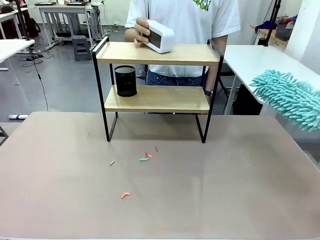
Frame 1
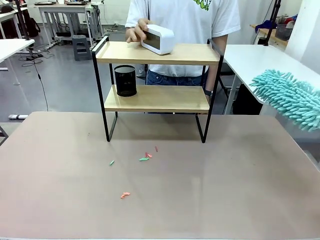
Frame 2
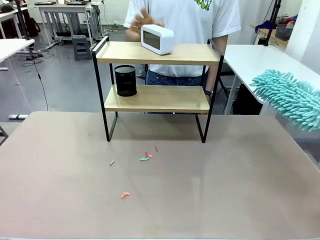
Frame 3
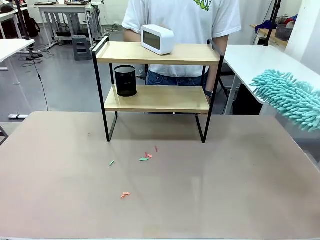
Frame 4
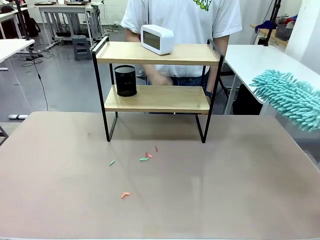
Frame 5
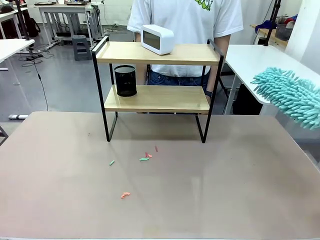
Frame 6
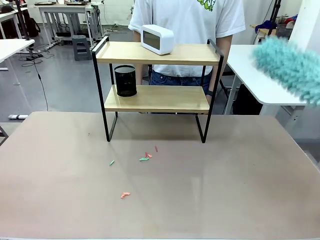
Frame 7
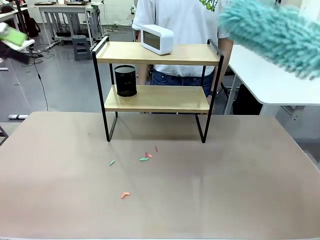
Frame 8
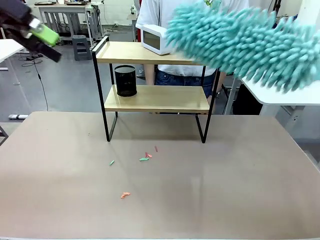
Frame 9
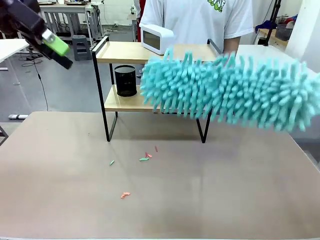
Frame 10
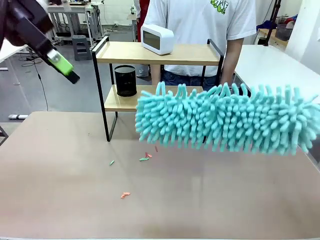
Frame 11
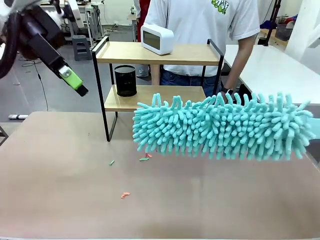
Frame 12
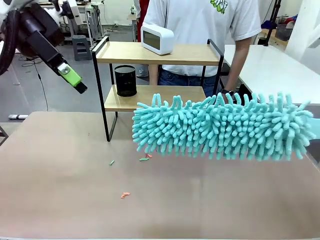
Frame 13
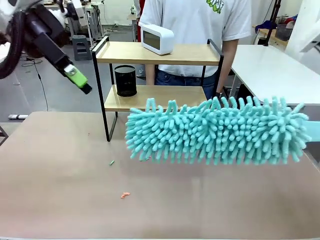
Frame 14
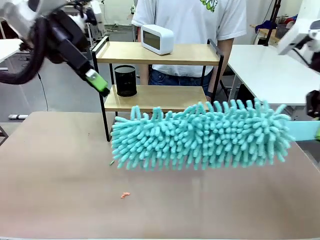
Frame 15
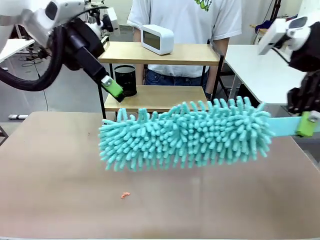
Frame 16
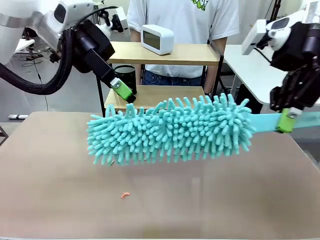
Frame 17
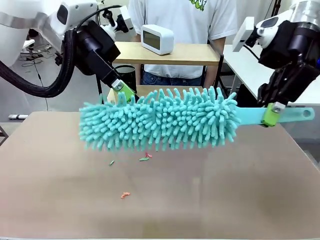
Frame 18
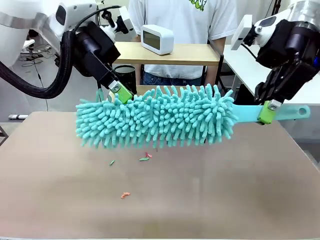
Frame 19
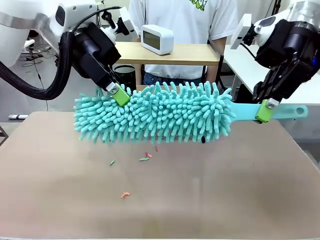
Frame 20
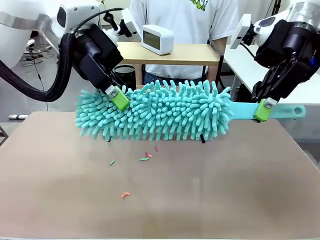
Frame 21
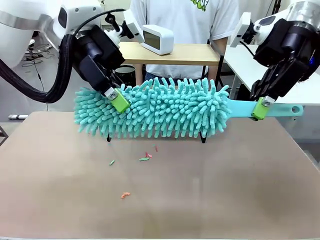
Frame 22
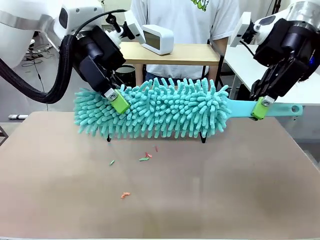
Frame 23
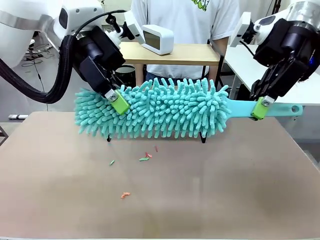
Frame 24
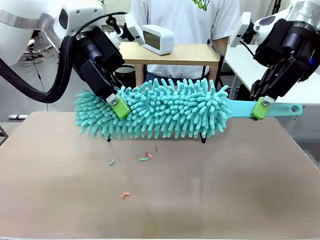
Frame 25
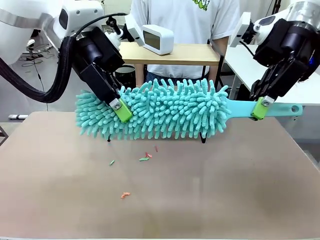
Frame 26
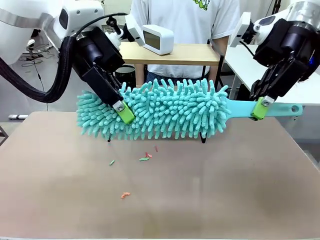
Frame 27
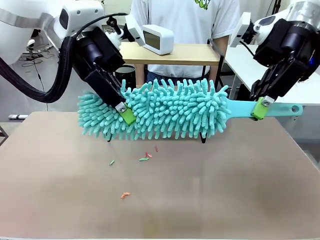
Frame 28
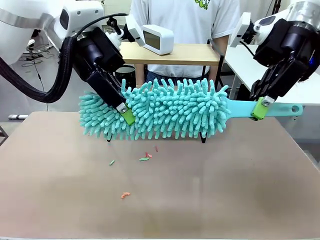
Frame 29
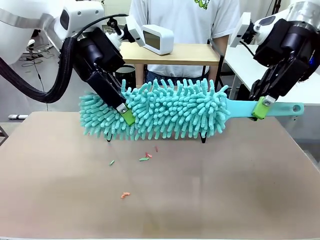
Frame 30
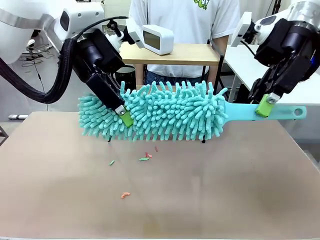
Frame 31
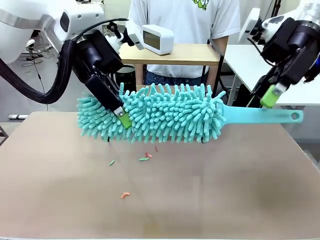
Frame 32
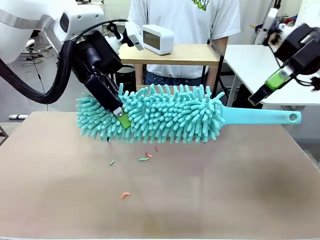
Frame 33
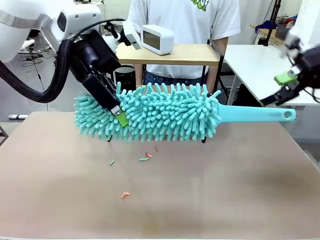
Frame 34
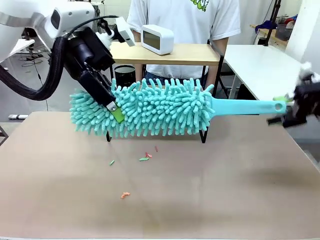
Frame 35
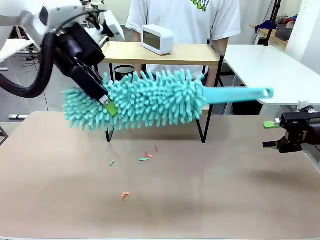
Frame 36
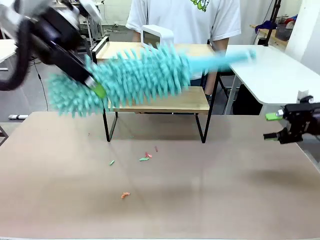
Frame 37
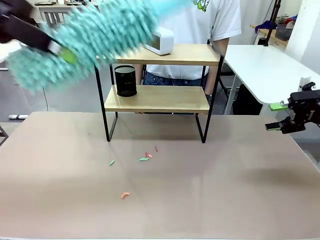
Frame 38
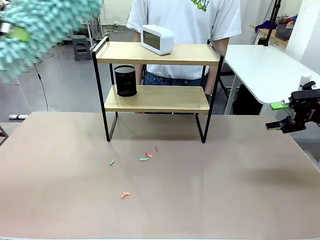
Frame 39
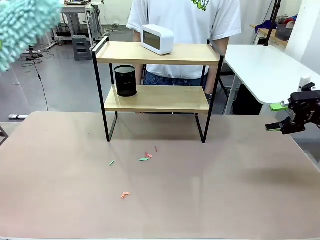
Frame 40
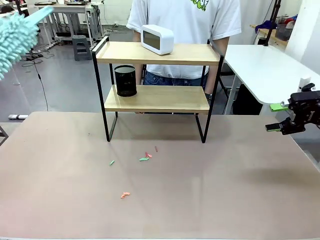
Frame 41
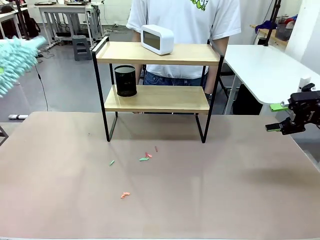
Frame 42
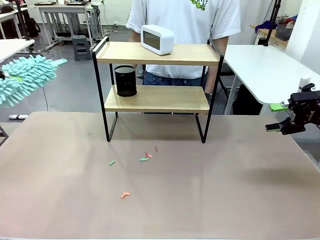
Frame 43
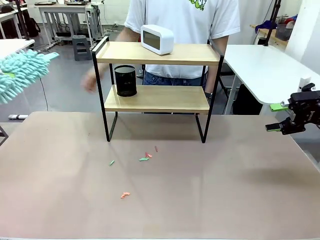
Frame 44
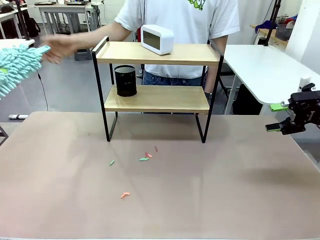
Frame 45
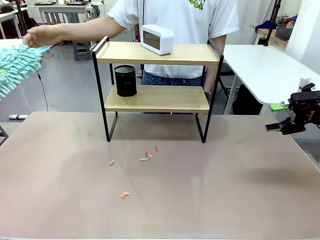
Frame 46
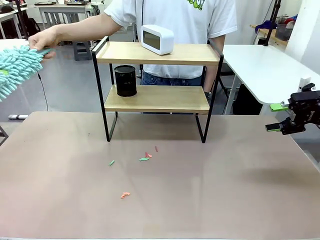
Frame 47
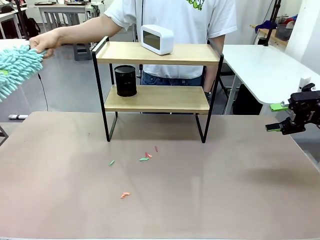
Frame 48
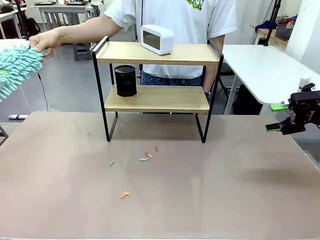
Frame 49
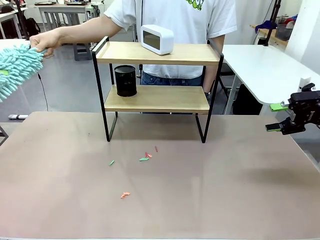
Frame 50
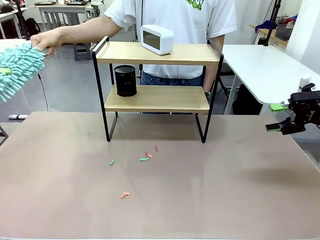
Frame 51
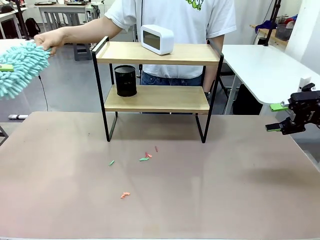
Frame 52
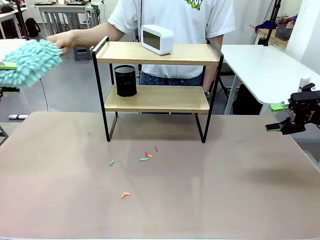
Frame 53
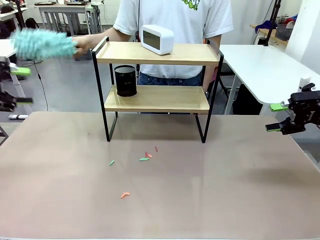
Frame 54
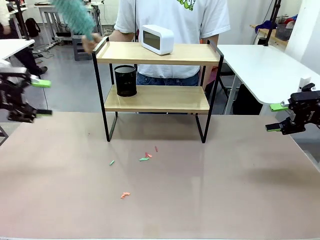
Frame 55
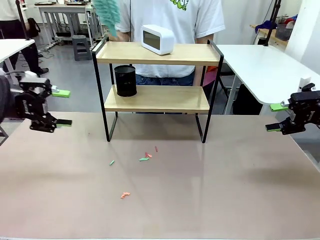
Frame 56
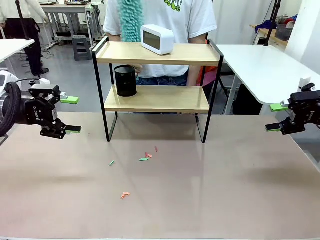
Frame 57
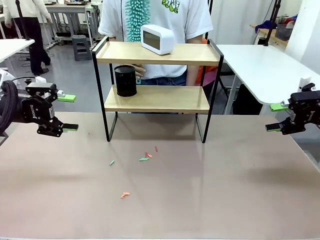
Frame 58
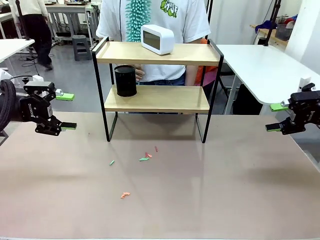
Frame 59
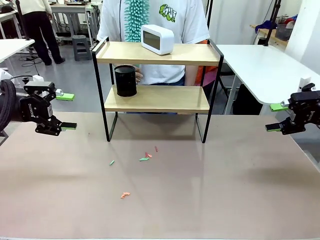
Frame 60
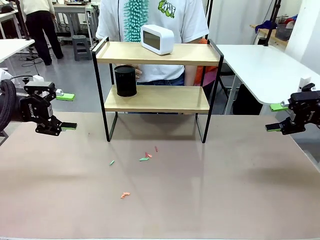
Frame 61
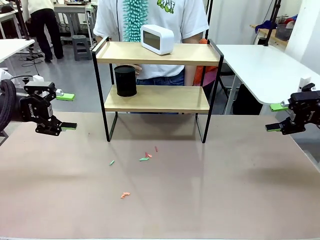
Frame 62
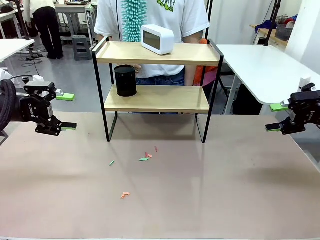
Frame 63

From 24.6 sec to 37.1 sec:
Task: Clean the shelf.
Robot: Hand the Duster back to the human.
Person: Receive the Duster from the robot.

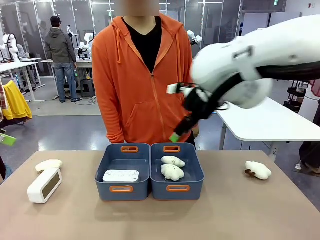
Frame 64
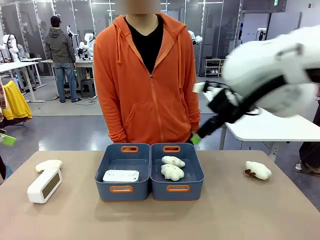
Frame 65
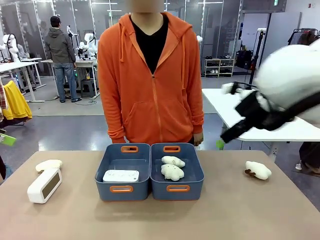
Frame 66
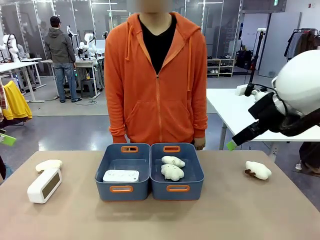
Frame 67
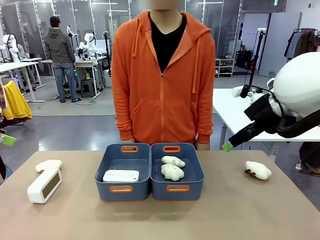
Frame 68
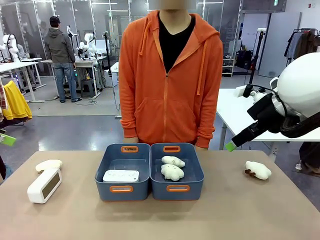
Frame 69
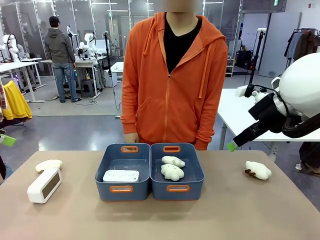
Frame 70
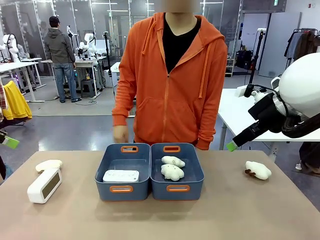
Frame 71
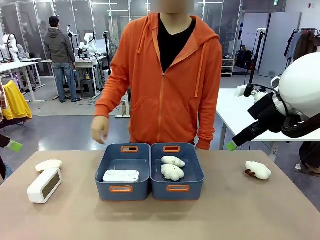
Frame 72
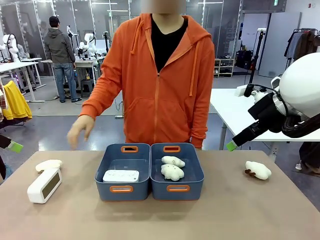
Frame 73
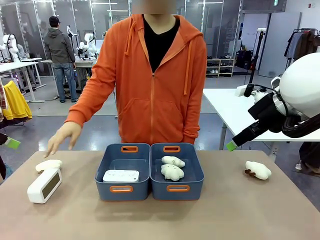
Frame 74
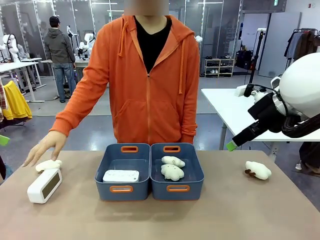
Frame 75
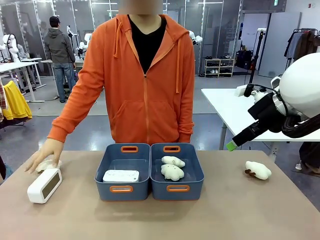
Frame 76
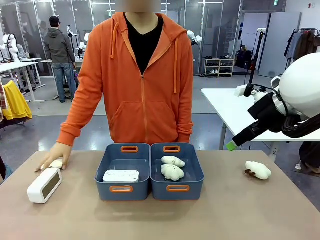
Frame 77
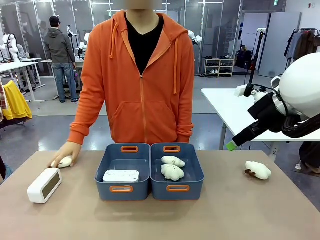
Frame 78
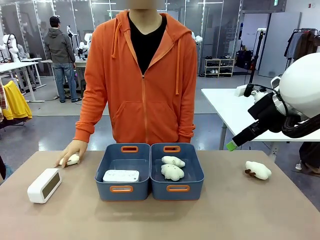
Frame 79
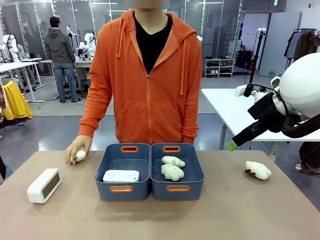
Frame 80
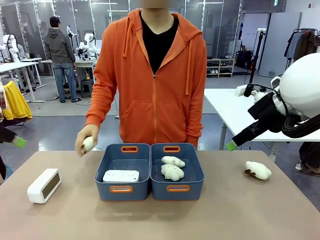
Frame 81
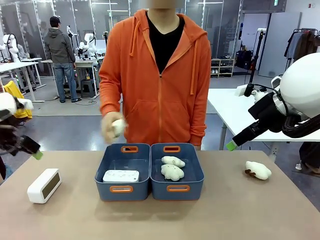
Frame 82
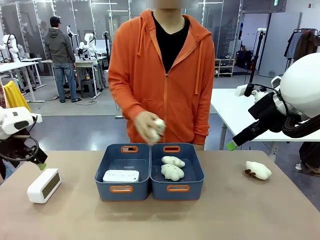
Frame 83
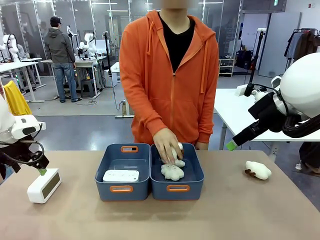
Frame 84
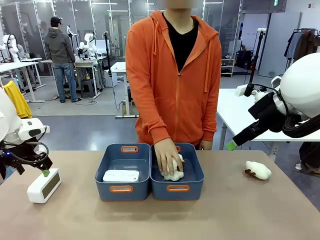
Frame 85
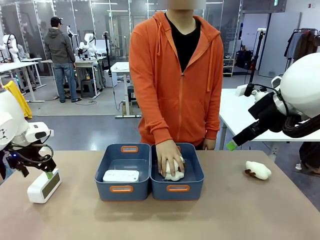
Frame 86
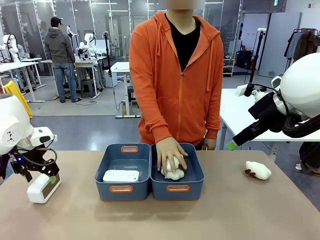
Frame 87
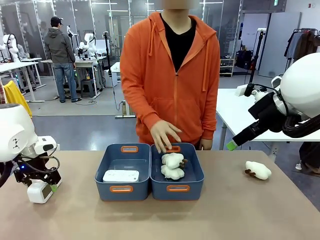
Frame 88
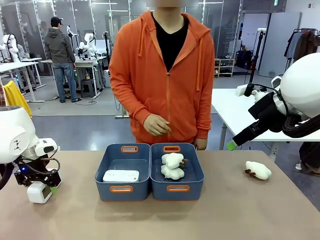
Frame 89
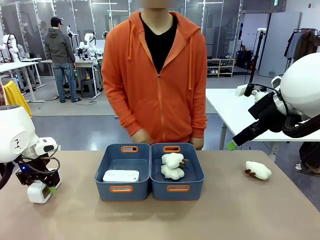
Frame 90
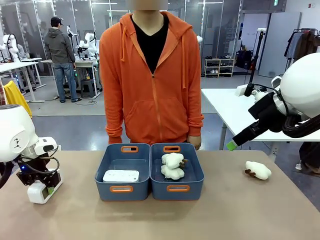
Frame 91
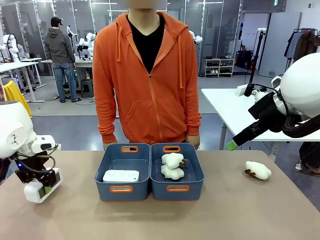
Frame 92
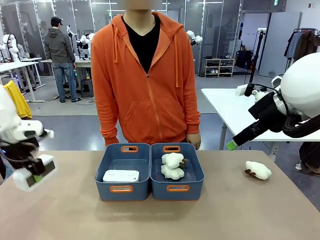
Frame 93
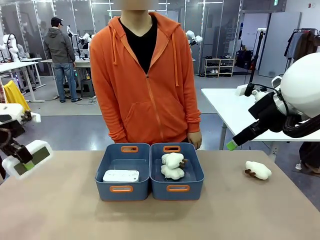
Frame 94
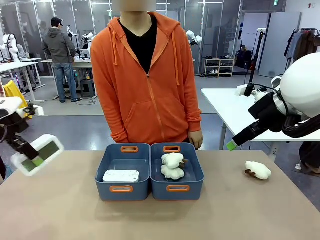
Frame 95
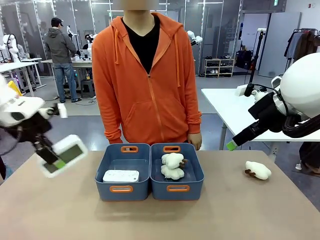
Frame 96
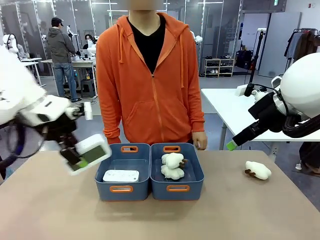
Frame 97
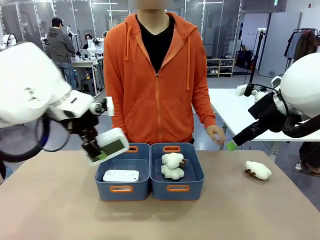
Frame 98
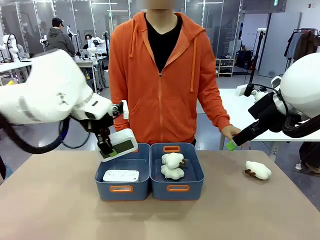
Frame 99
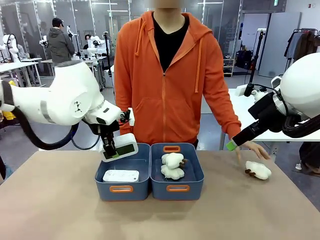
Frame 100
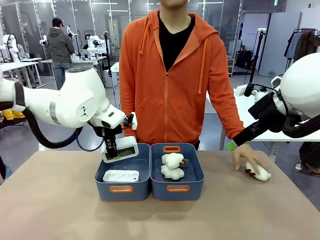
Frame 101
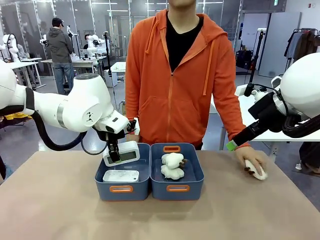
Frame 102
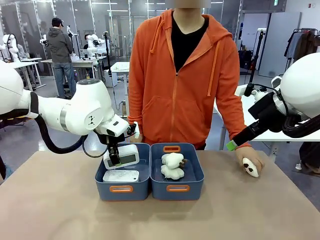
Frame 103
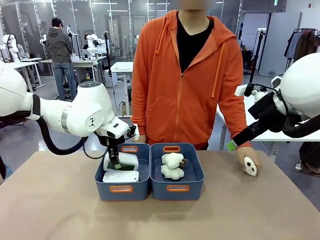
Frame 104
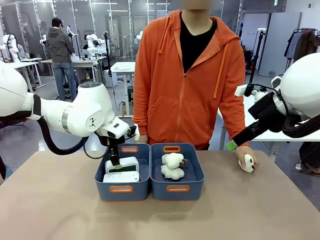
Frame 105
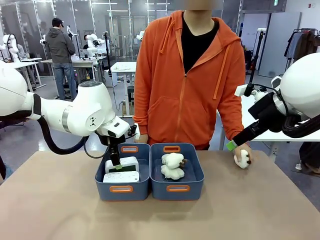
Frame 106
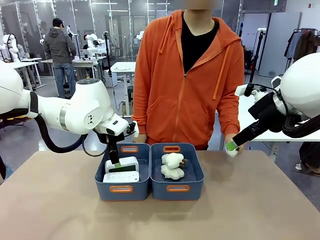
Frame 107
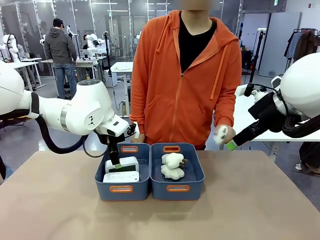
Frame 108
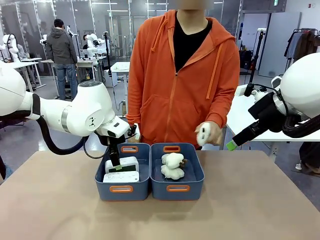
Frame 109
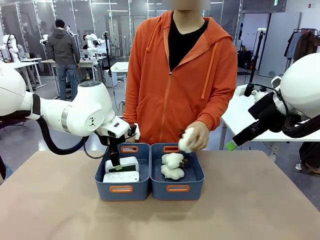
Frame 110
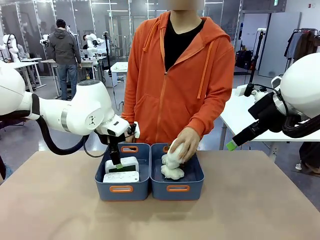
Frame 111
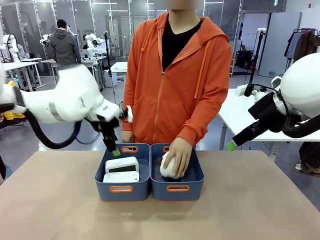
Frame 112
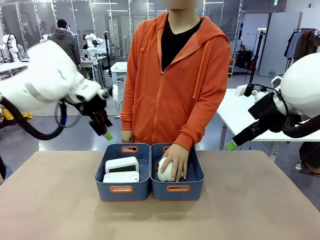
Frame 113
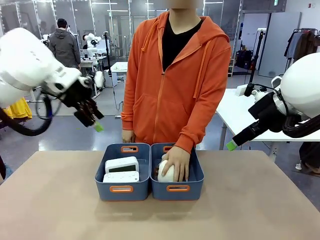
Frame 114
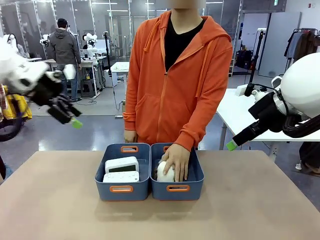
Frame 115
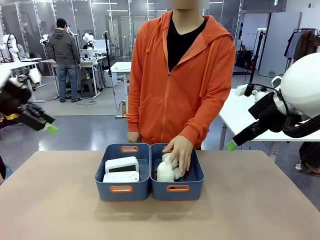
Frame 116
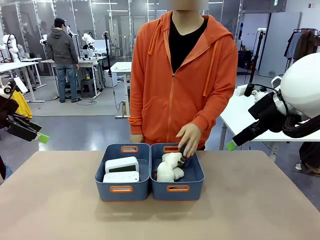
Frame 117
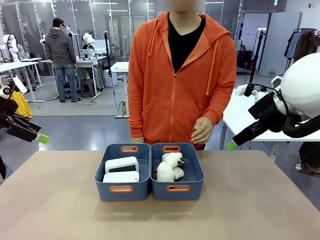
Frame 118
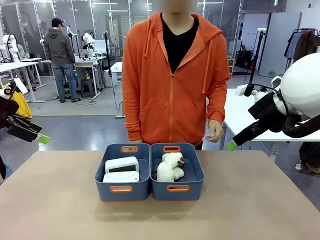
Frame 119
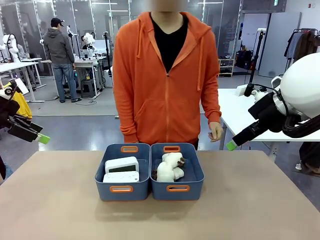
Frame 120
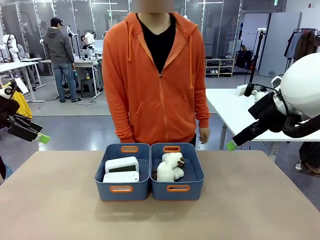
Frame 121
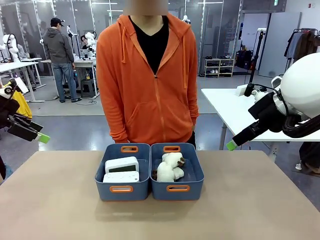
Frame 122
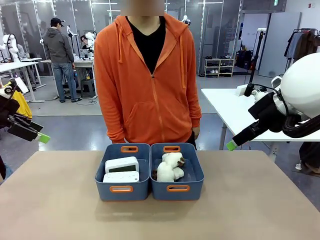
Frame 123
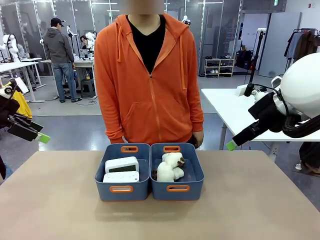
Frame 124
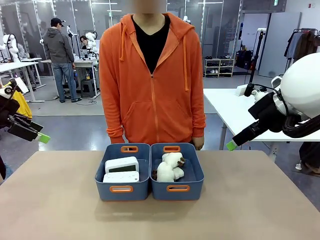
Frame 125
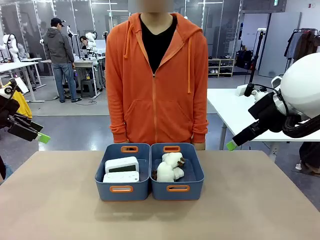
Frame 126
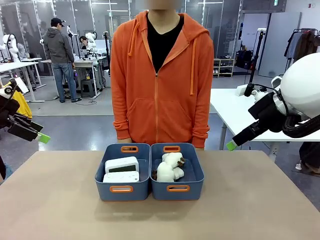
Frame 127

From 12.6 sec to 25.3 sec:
Task: Sort the digital clocks into the basket.
Robot: Pick up the Digital clock from the table and place it into the empty Plastic storage basket.
Person: Pick up a plush toy from the table and place it in the plastic storage basket containing the plush toy.
